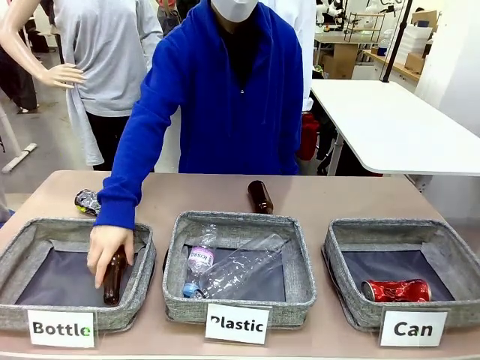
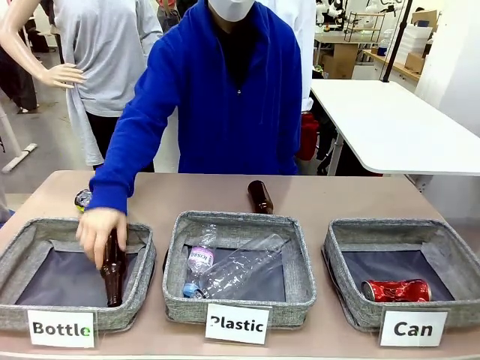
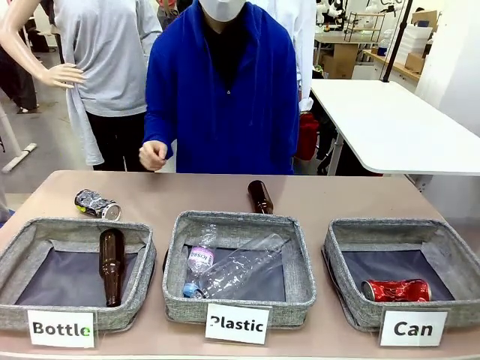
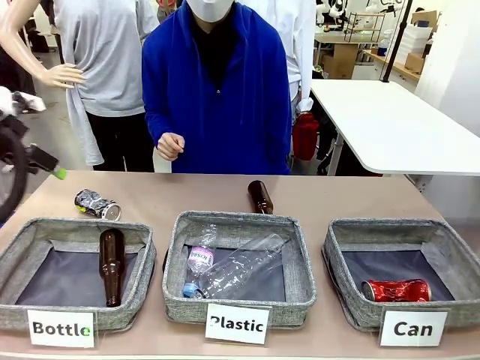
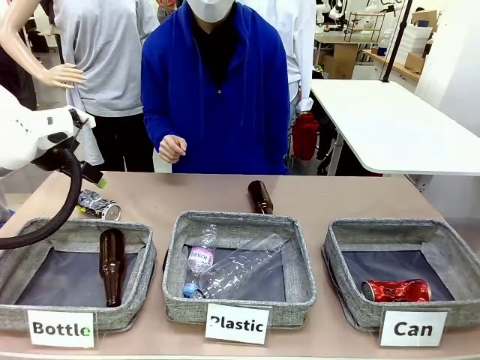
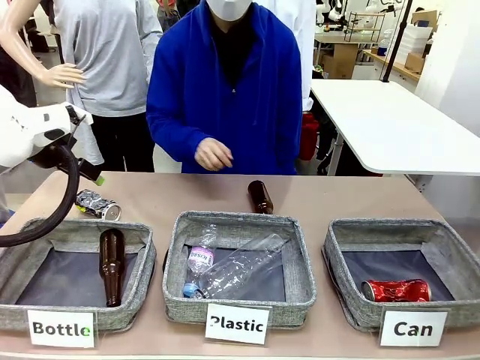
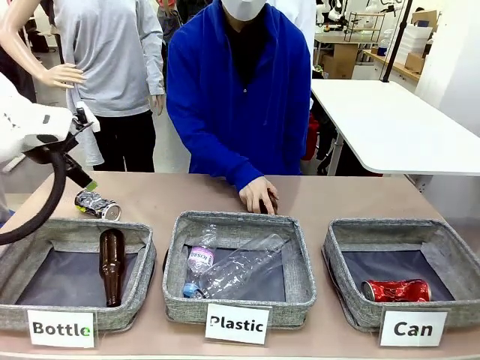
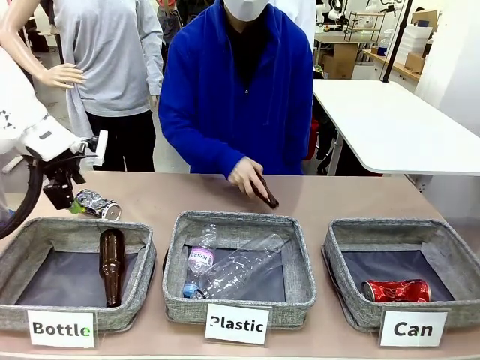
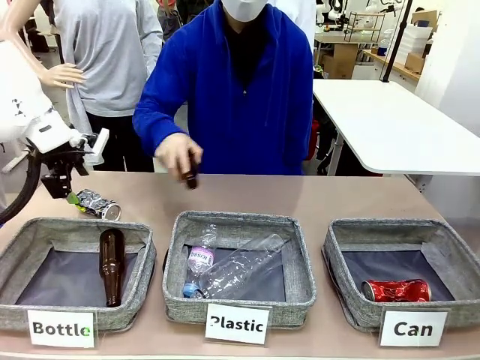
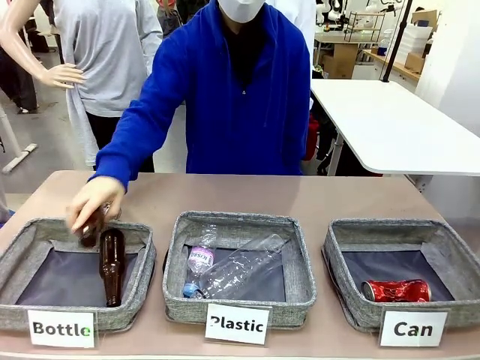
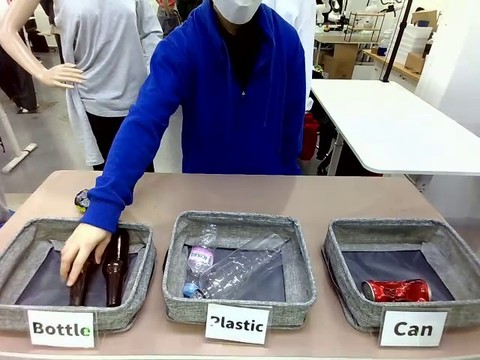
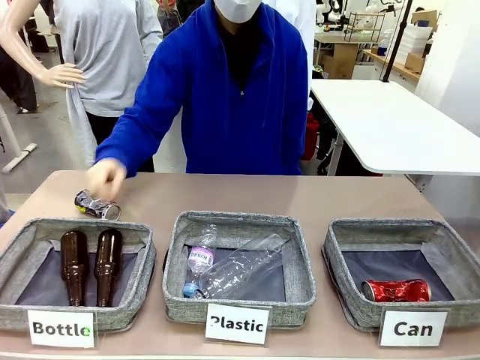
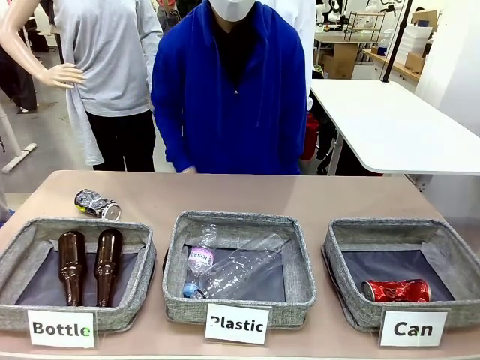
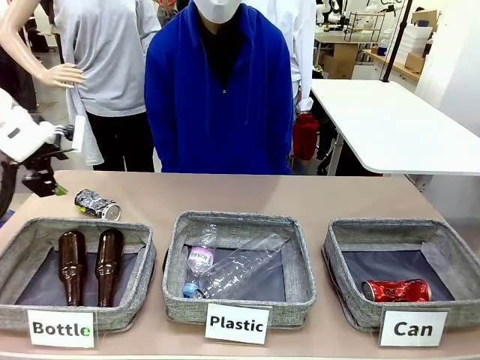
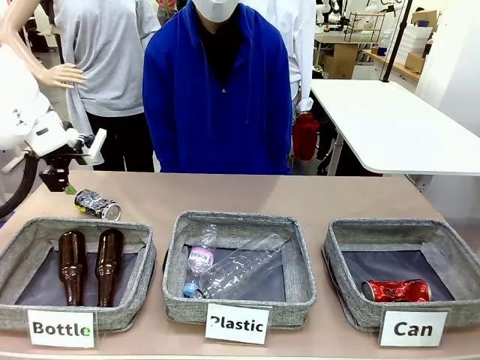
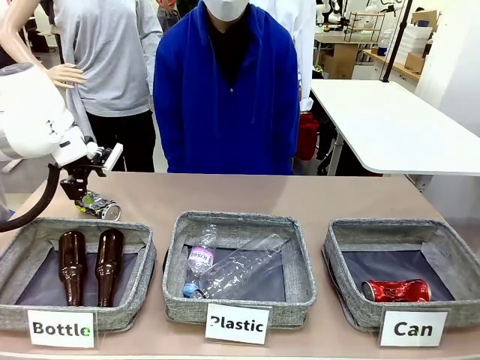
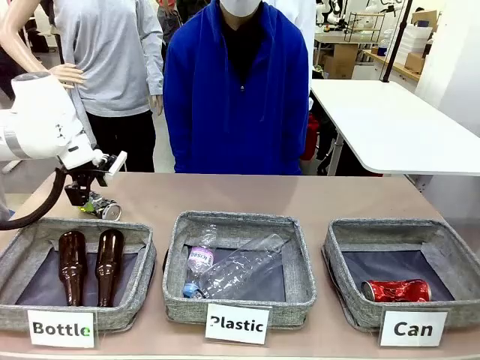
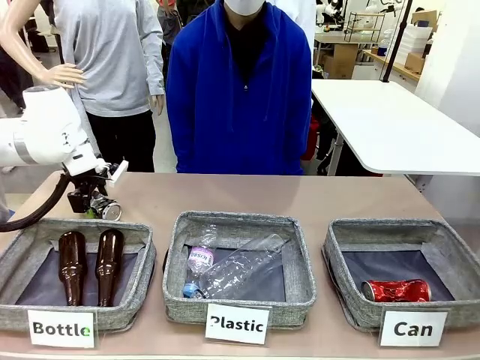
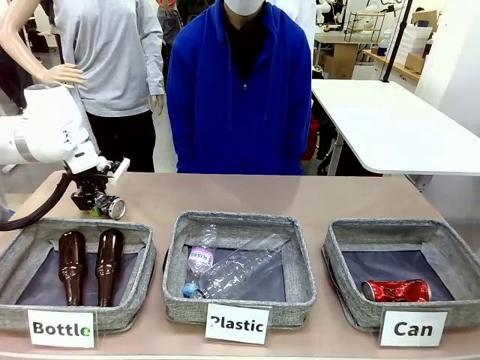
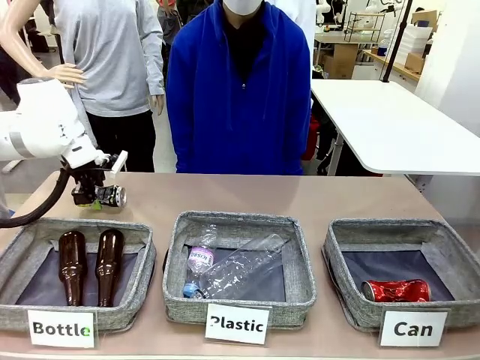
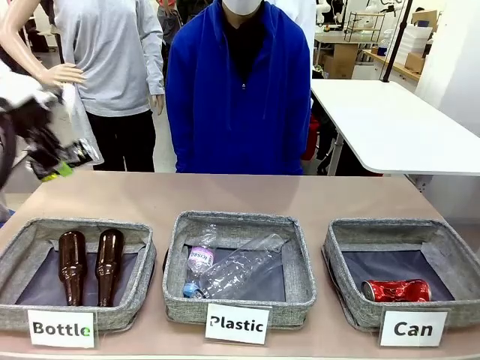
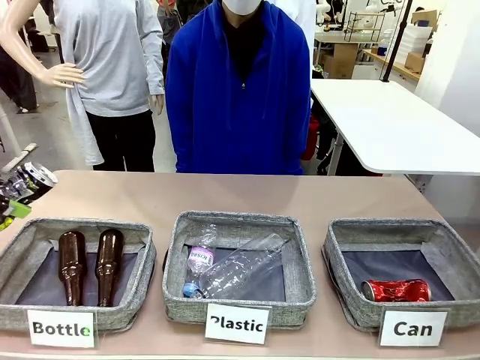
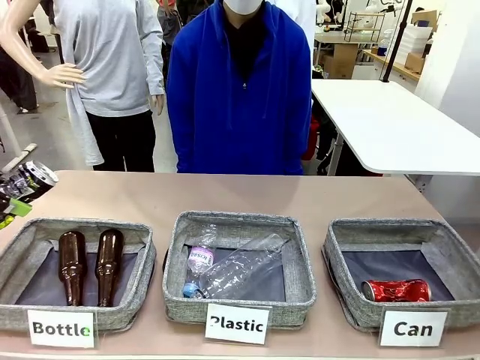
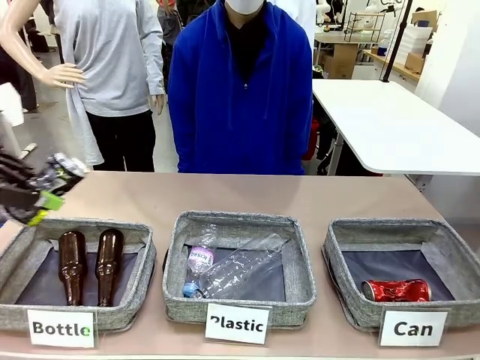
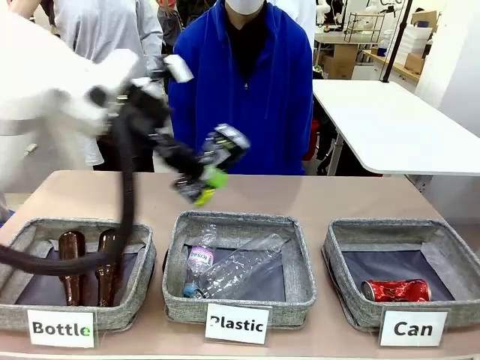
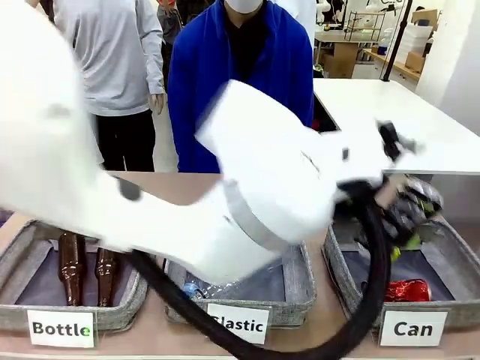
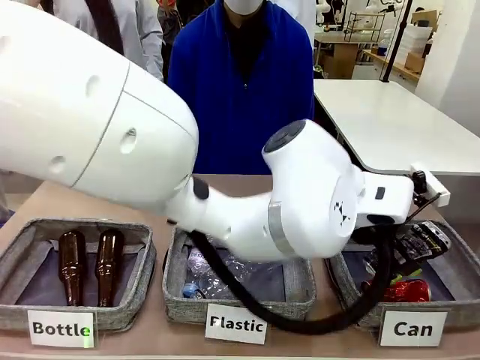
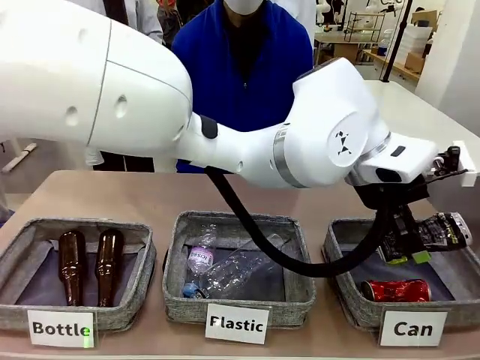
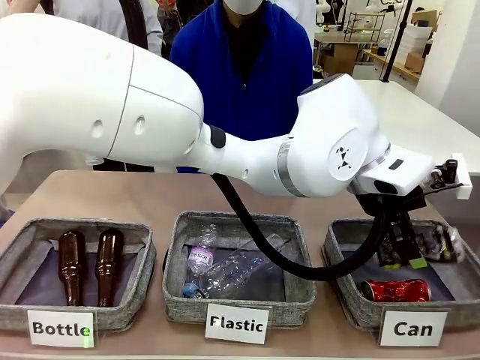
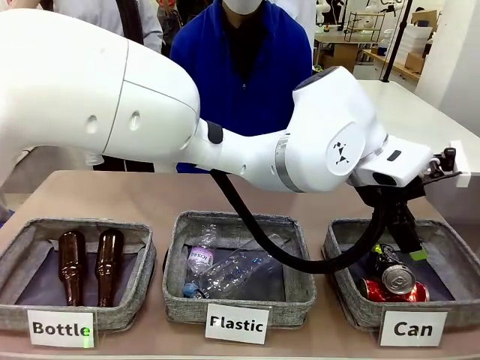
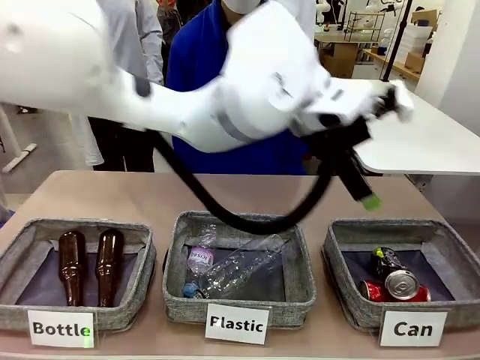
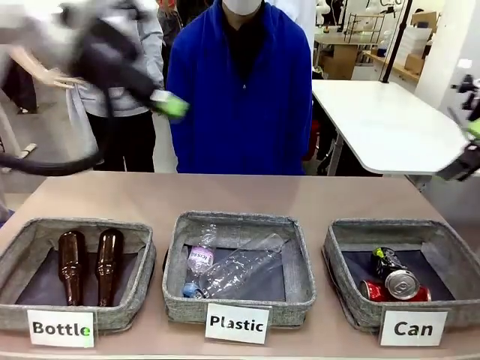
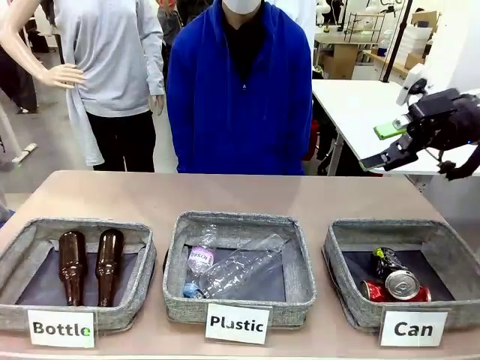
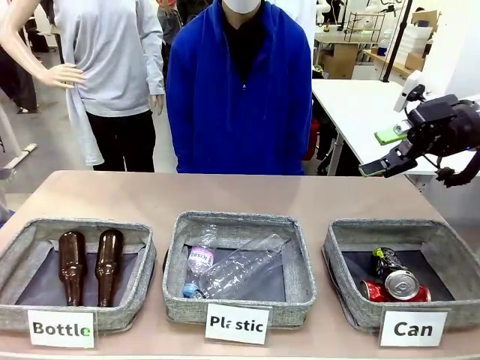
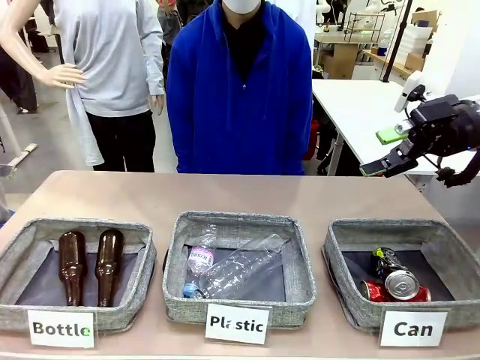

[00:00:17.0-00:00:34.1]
Task: Sort the can waste into the basket.
Robot: Pick up the can waste from the table and place it in the right Fabric basket.
Person: The human picks up one piece of trash that is not a can and places the trash into the appropriate organizing basket.
